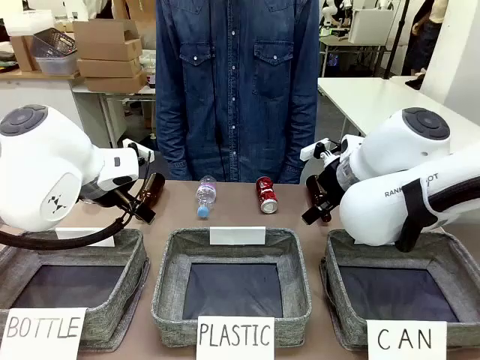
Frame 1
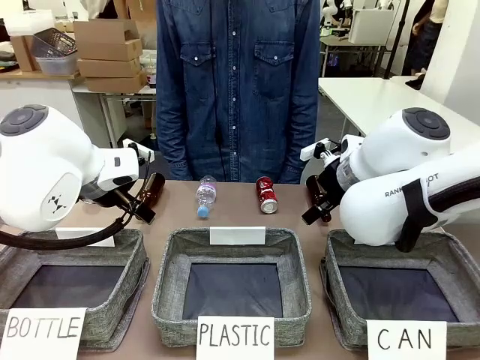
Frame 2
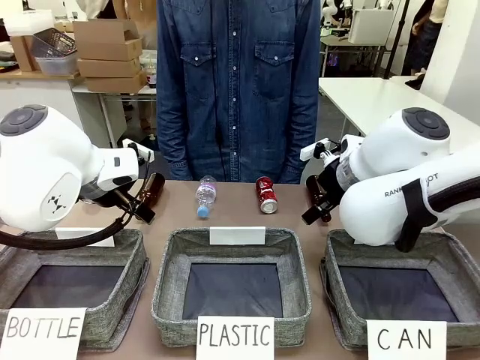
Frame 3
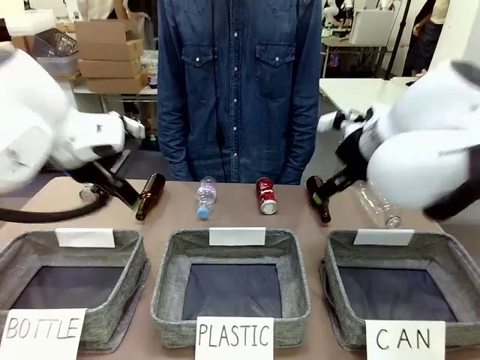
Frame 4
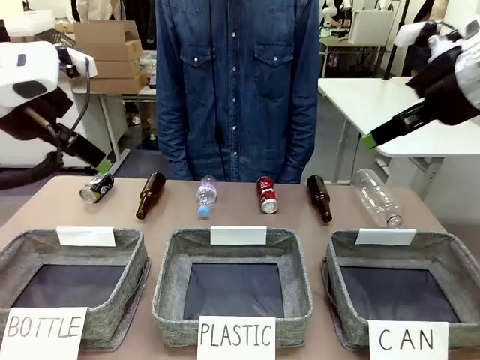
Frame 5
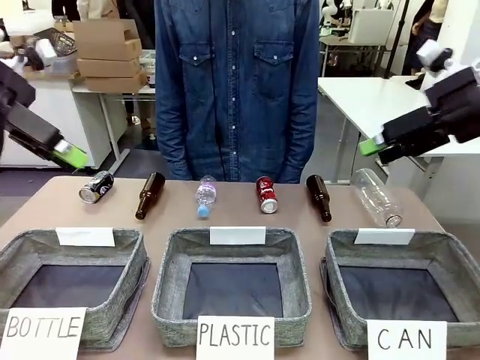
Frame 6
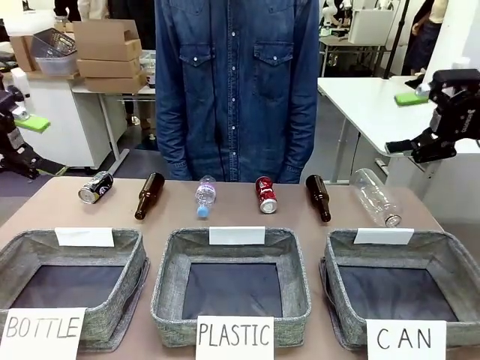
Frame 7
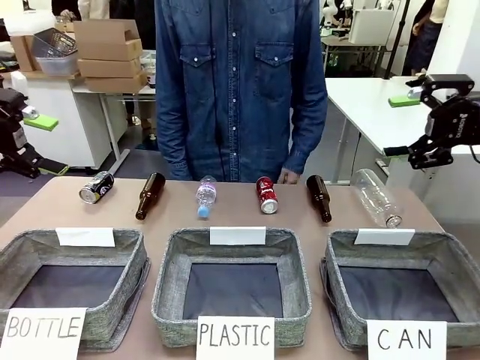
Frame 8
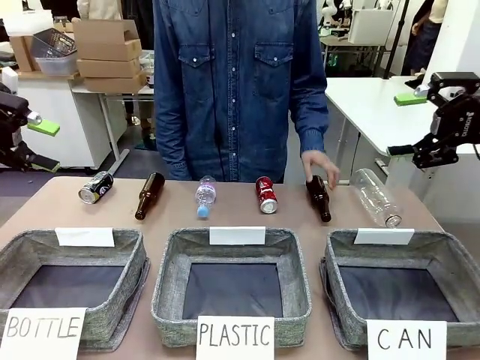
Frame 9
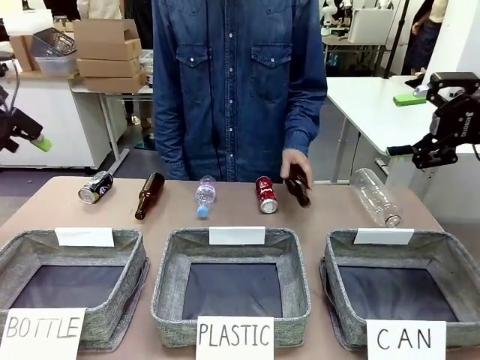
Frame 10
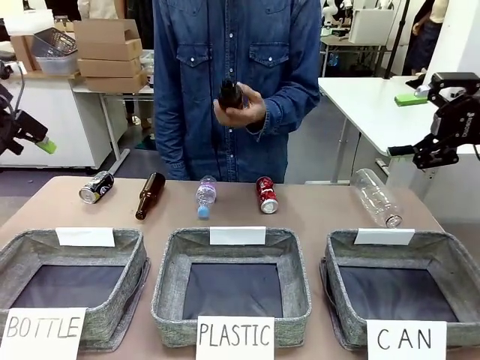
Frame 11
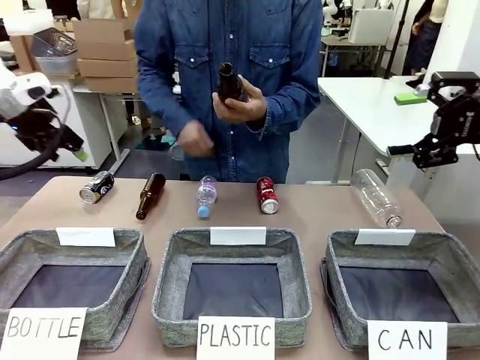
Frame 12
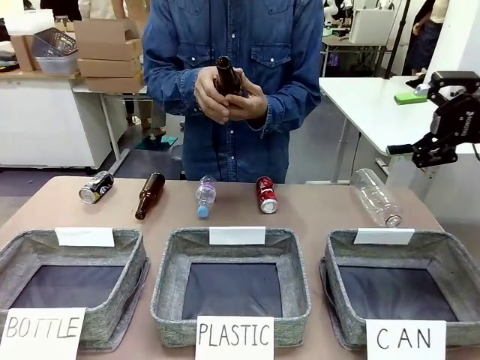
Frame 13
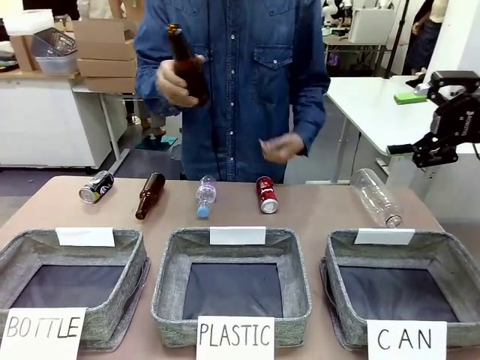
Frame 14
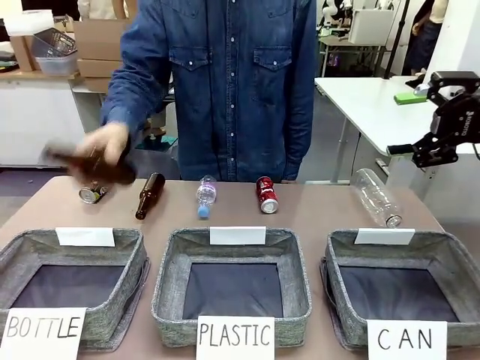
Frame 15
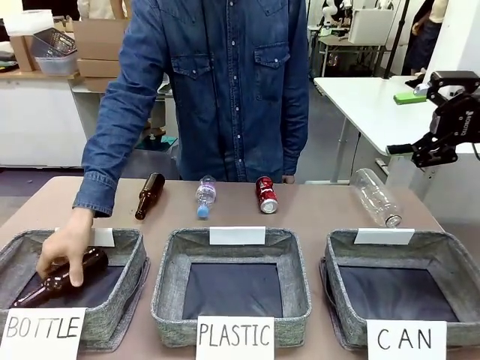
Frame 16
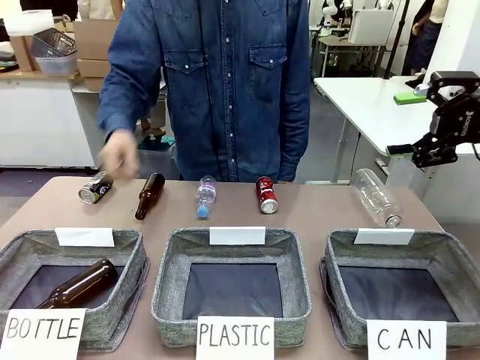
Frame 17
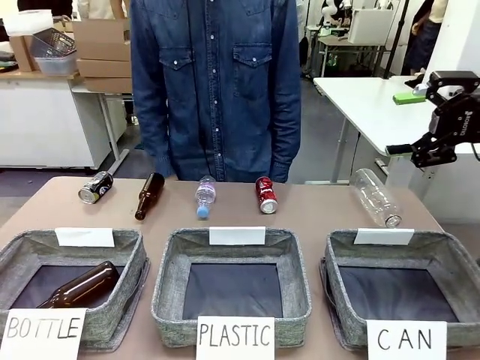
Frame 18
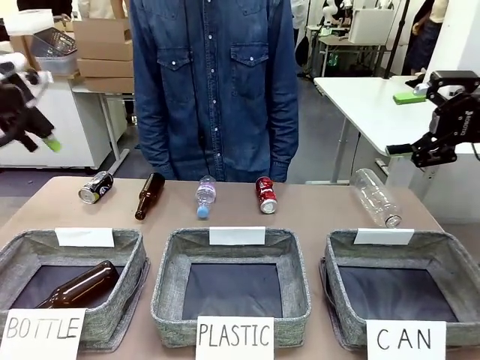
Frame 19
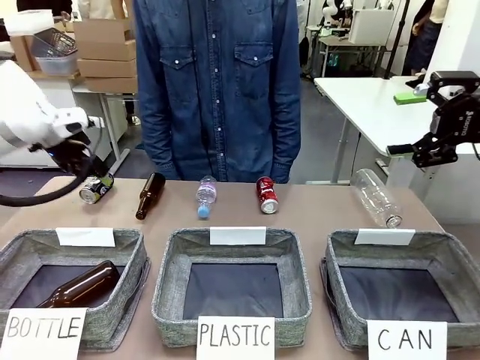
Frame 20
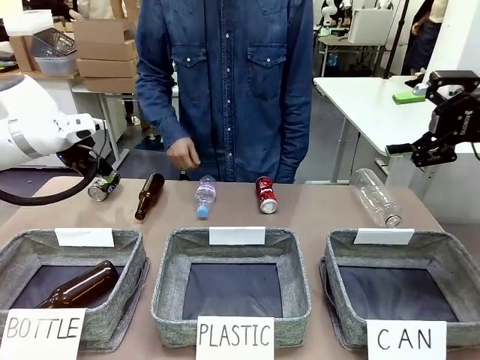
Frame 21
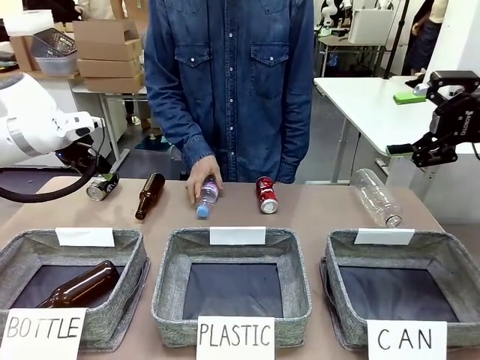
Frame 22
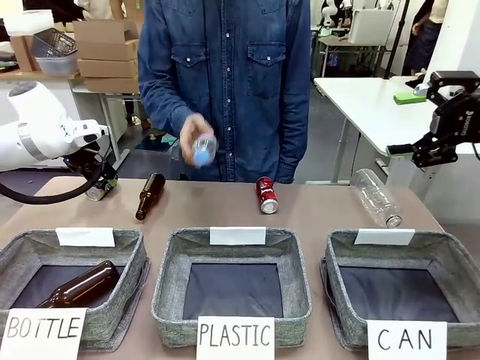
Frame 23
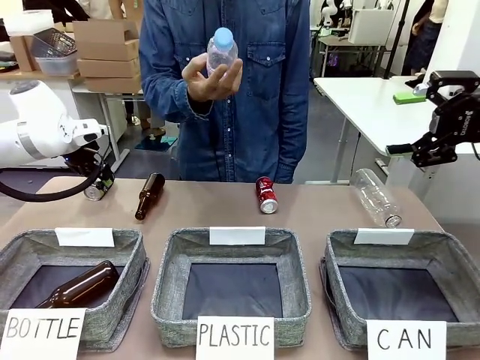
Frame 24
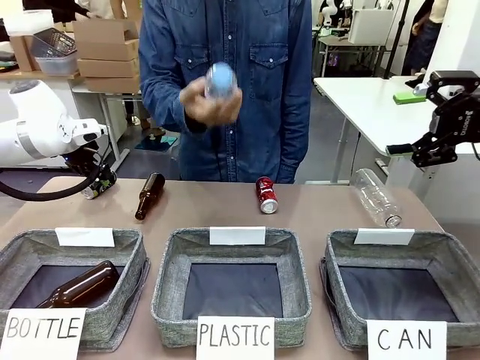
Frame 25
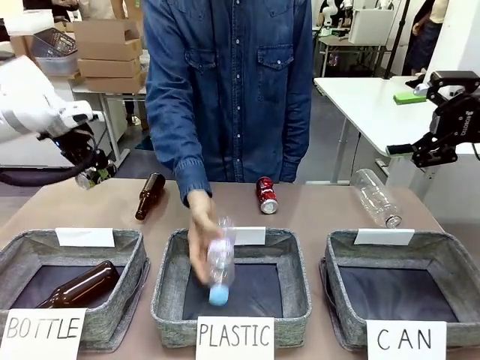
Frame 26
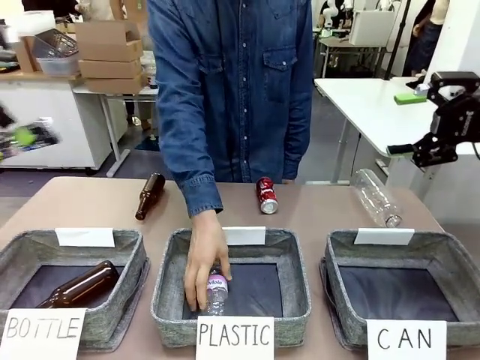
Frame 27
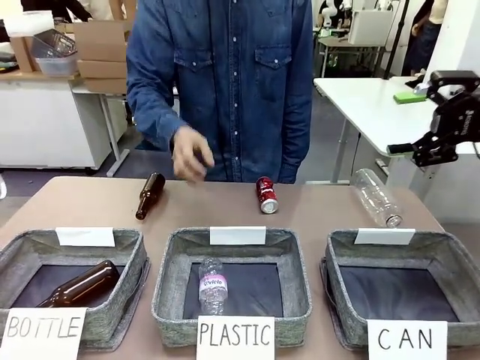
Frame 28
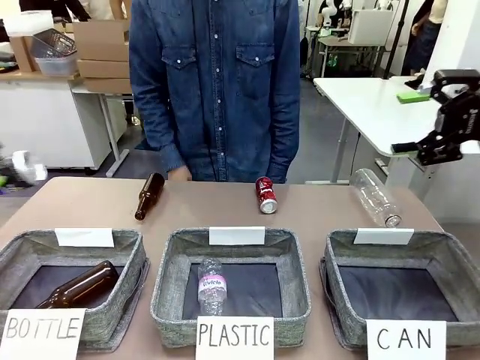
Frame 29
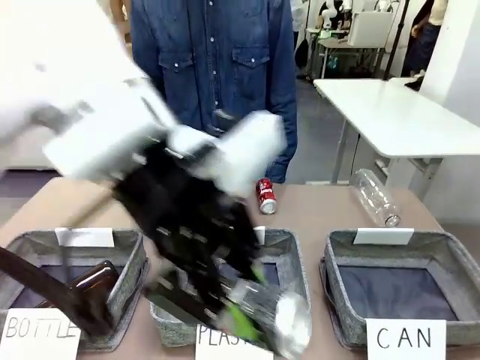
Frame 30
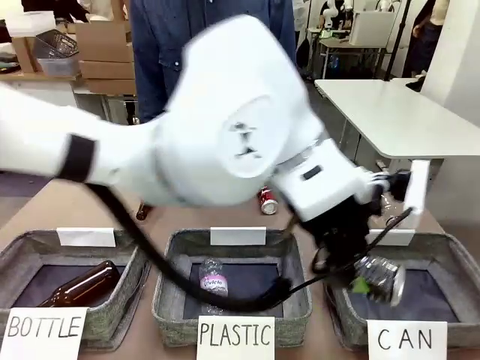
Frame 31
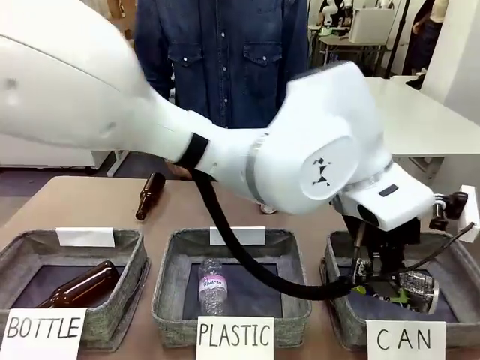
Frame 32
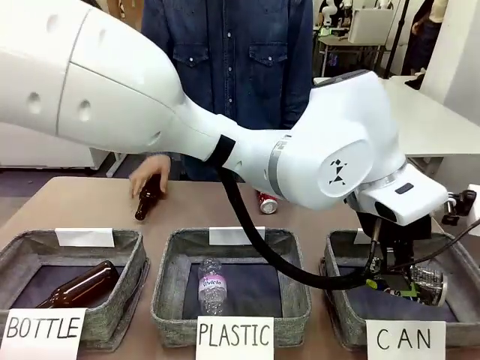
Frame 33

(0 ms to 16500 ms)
Task: Sort the can waste into the basket.
Robot: Pick up the can waste from the table and place it in the right Fabric basket.
